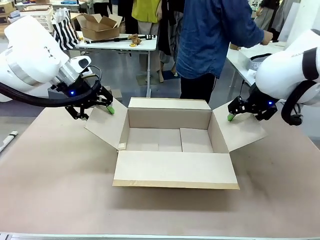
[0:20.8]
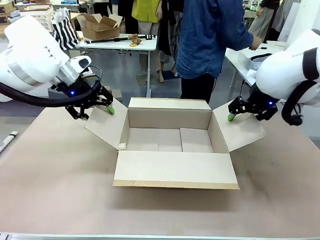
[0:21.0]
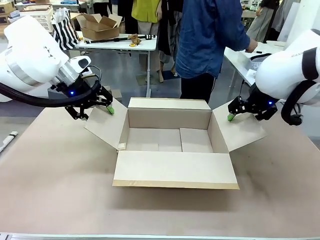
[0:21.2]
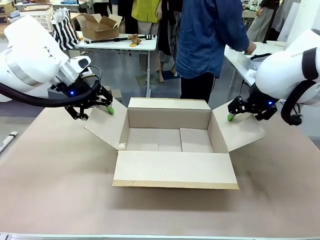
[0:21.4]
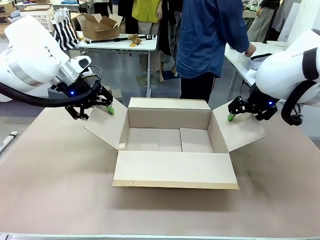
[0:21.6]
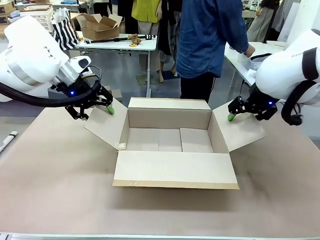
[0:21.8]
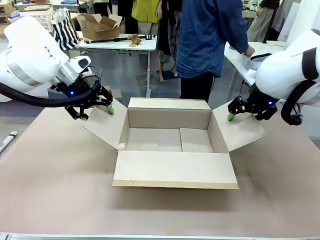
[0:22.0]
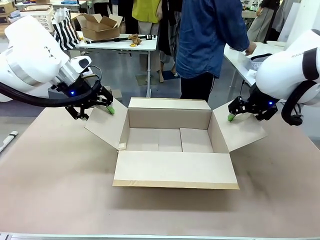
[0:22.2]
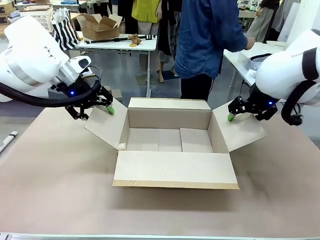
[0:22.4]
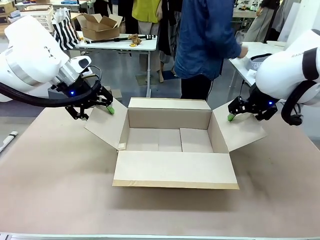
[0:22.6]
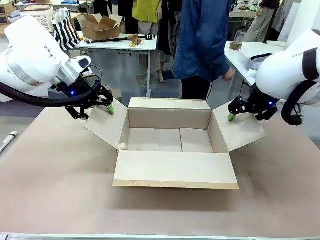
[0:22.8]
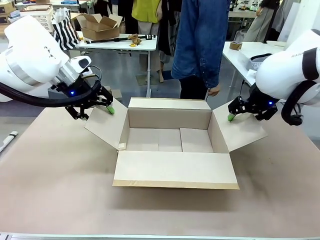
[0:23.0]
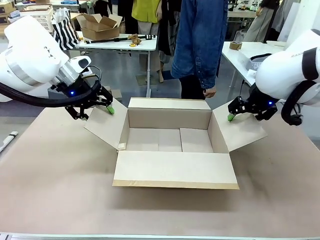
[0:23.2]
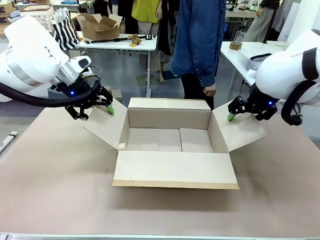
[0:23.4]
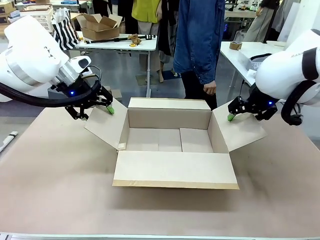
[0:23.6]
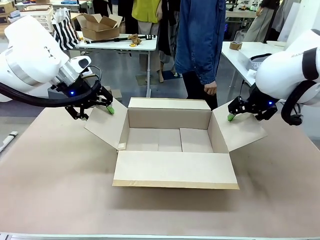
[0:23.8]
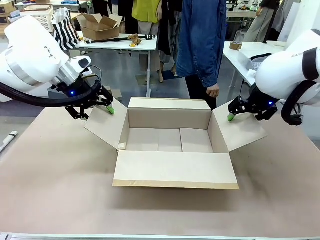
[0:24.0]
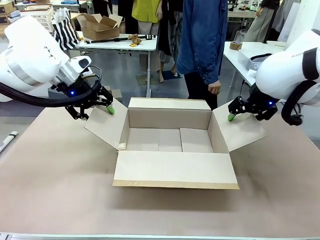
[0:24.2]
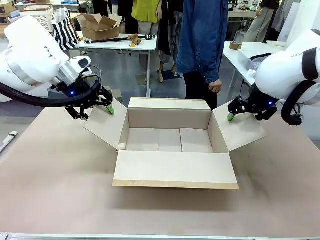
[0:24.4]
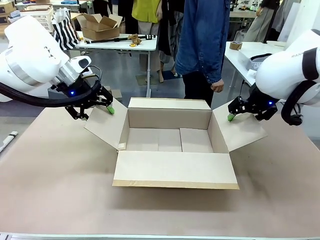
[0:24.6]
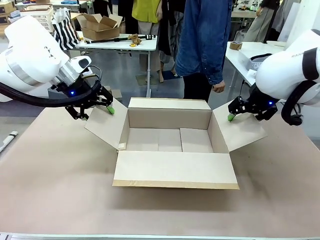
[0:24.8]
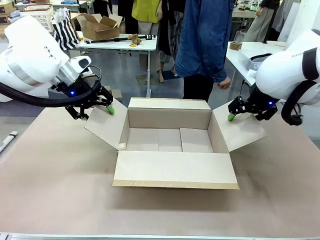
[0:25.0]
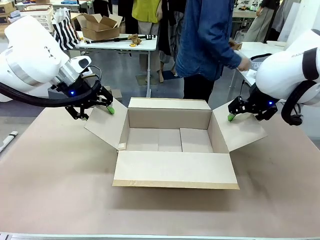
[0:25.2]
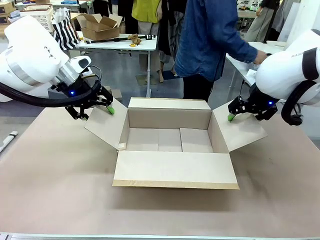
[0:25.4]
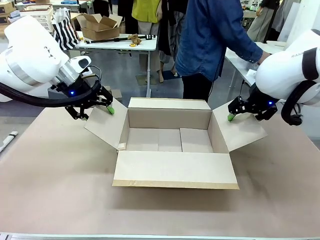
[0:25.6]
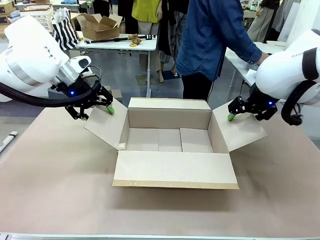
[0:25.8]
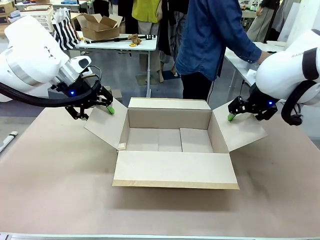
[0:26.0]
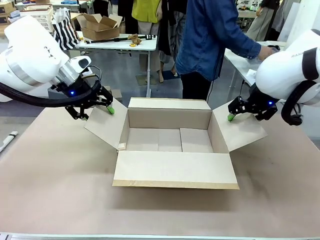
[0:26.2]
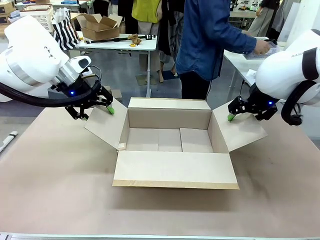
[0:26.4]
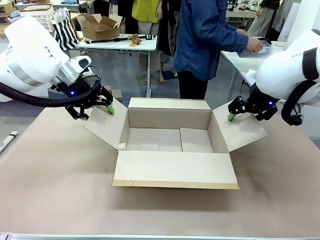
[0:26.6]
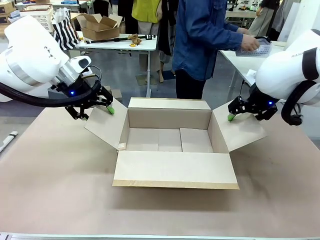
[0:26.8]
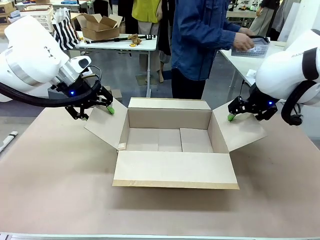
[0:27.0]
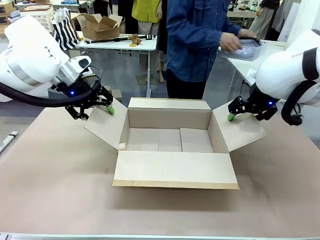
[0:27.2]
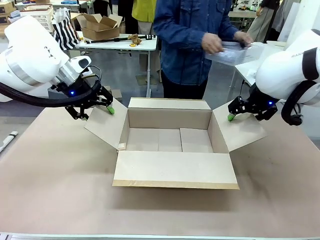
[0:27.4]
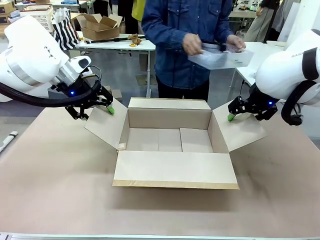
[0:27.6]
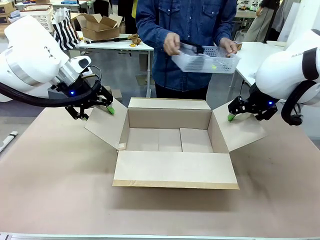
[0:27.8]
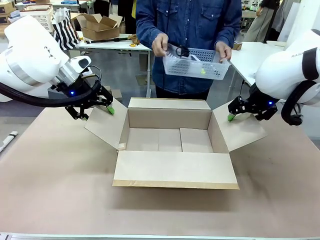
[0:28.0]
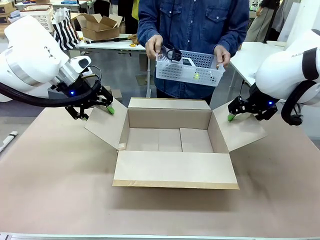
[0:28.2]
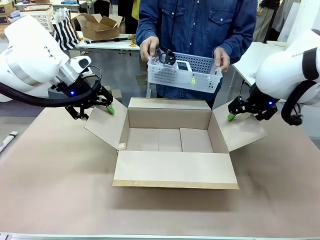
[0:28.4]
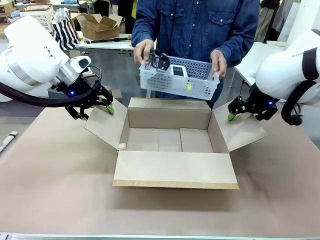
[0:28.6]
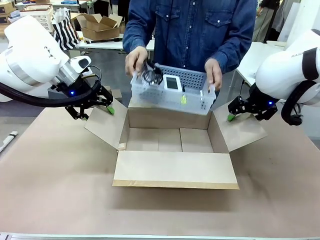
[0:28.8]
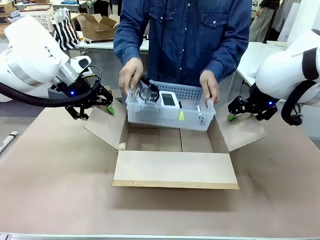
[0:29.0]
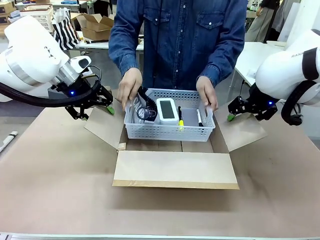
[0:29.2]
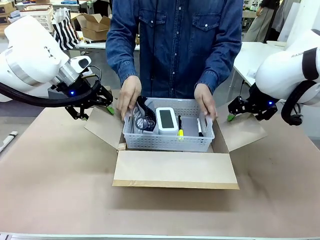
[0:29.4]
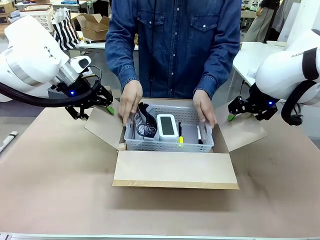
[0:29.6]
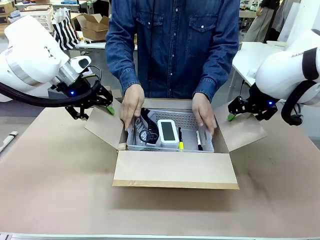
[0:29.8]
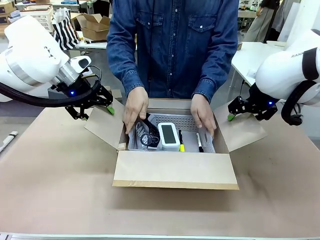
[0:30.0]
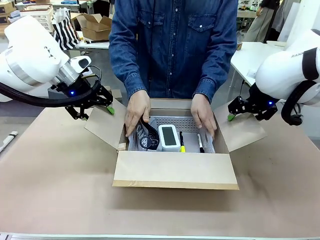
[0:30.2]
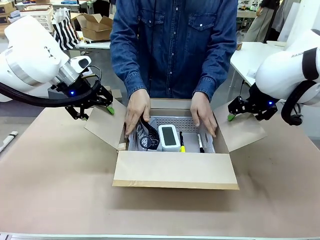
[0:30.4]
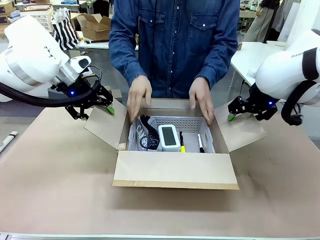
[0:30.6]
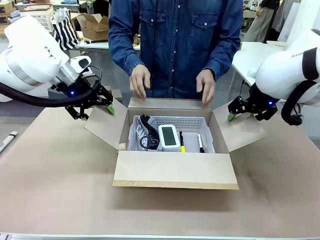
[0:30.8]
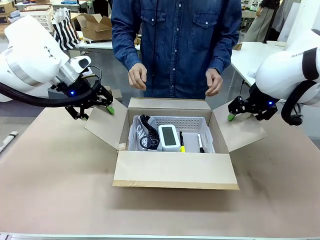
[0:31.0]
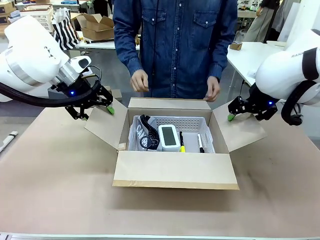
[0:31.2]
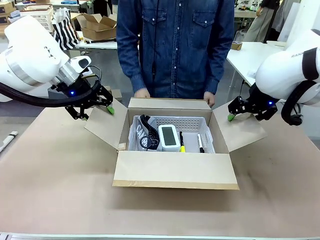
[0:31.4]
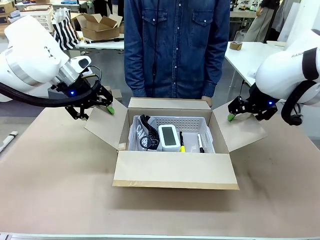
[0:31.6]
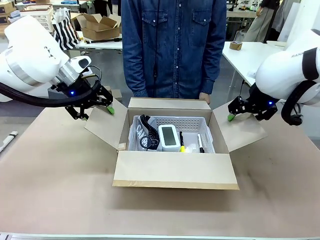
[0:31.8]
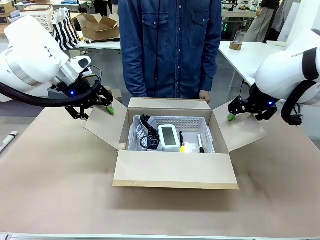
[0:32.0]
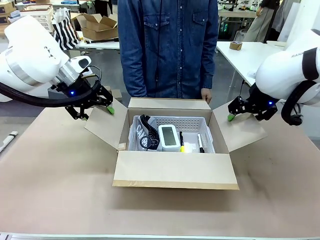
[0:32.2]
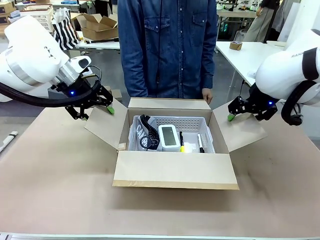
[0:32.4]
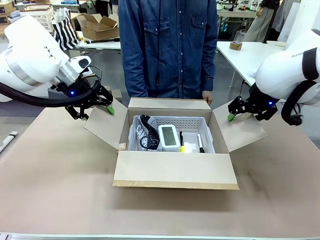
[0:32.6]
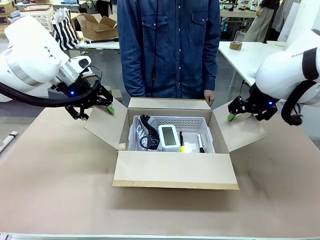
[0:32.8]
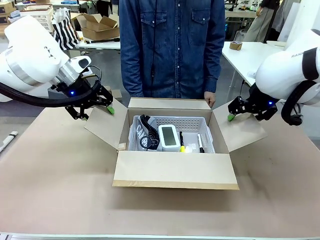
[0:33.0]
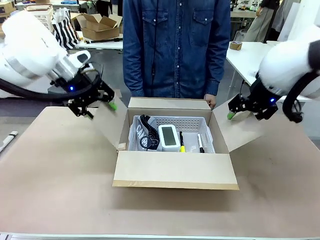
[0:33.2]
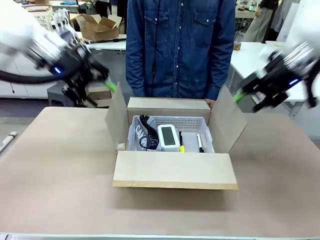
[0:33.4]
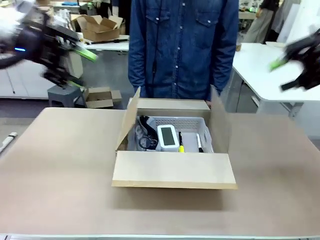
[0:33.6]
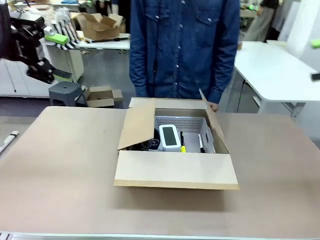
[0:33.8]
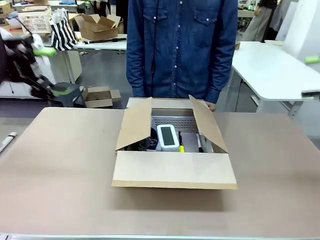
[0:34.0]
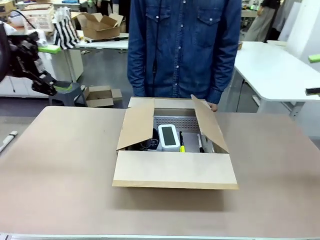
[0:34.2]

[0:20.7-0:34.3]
Task: Pack the gift set into the box.
Robot: Lift both hands away from the flaps of the Package Box.
Person: The human picks up the organizing basket and places the organizing basket into the package box on the robot table.

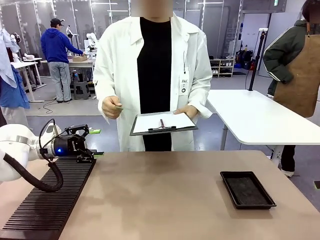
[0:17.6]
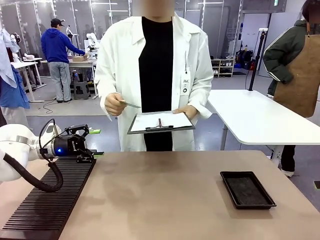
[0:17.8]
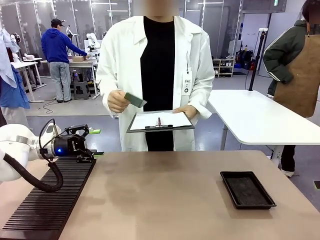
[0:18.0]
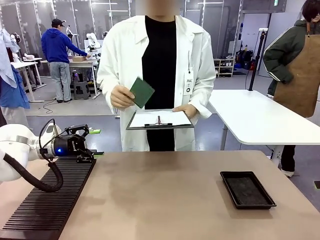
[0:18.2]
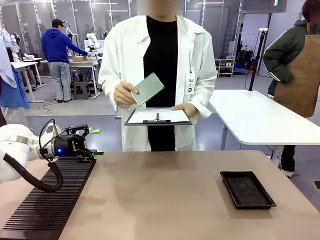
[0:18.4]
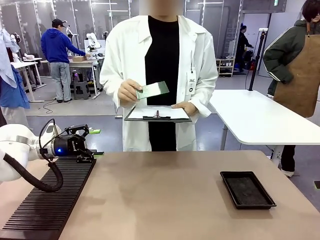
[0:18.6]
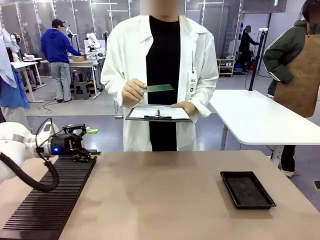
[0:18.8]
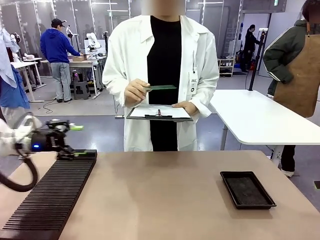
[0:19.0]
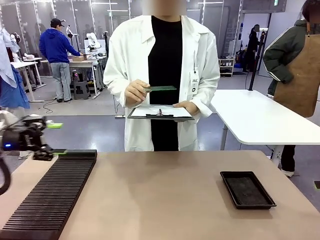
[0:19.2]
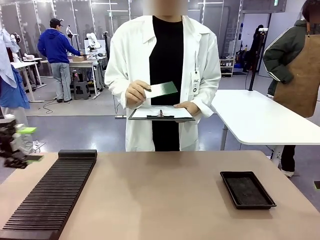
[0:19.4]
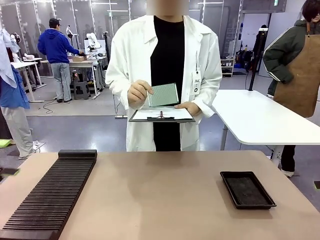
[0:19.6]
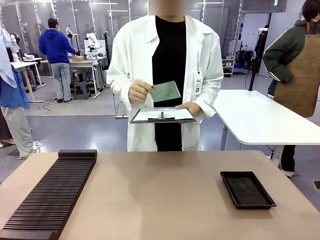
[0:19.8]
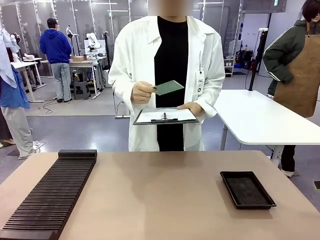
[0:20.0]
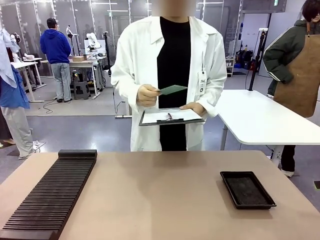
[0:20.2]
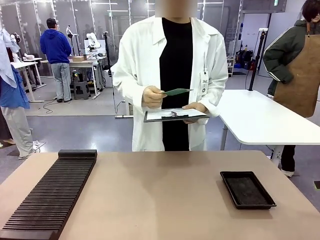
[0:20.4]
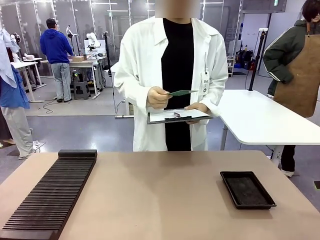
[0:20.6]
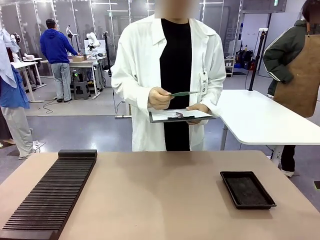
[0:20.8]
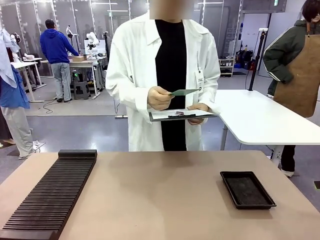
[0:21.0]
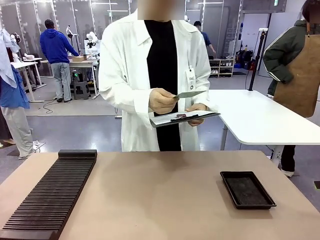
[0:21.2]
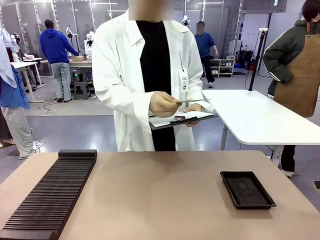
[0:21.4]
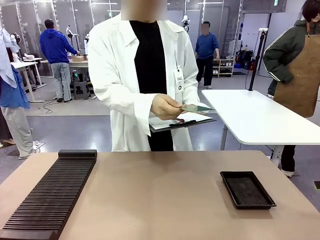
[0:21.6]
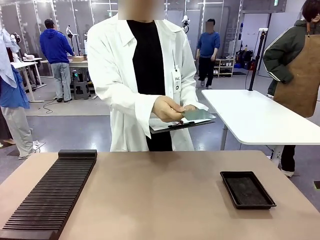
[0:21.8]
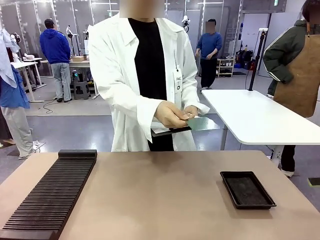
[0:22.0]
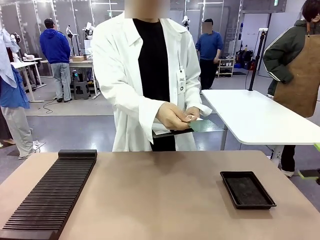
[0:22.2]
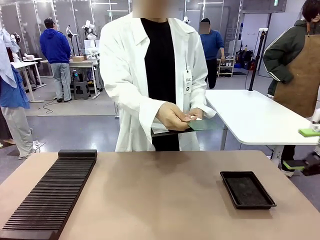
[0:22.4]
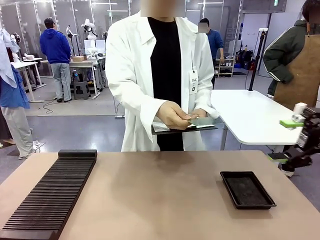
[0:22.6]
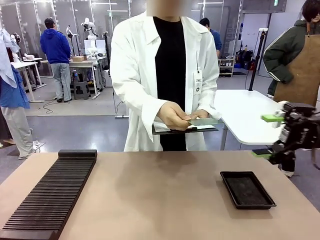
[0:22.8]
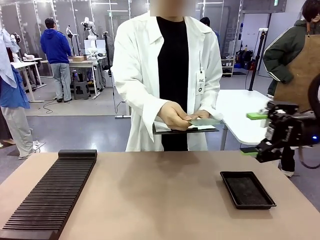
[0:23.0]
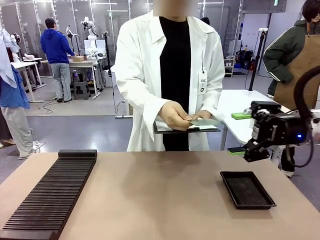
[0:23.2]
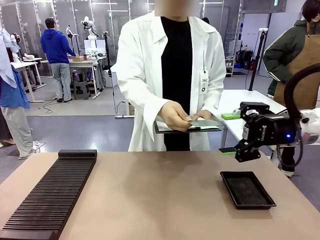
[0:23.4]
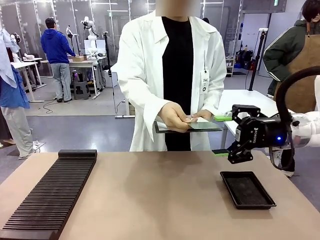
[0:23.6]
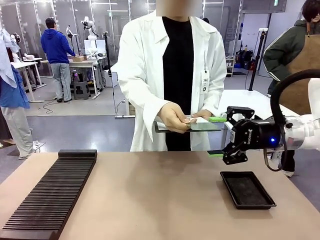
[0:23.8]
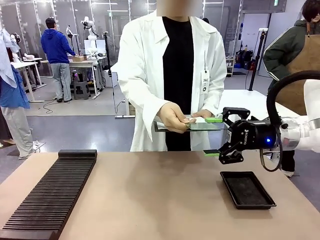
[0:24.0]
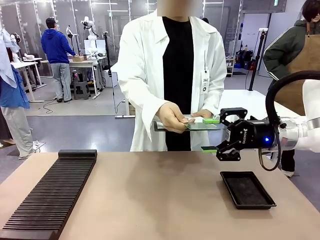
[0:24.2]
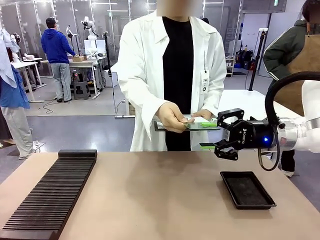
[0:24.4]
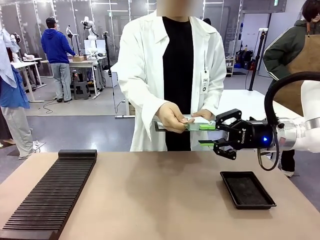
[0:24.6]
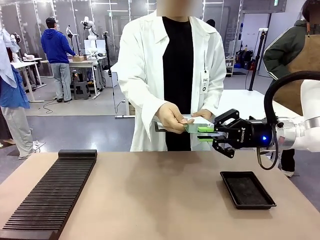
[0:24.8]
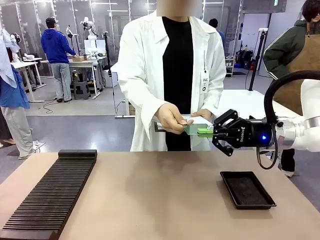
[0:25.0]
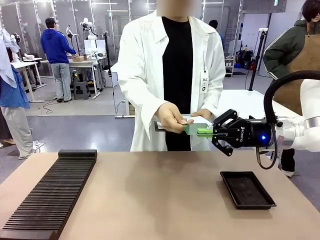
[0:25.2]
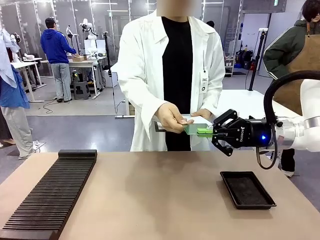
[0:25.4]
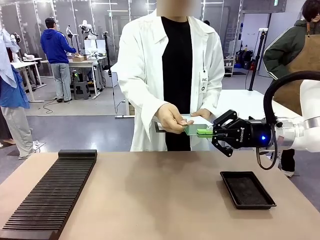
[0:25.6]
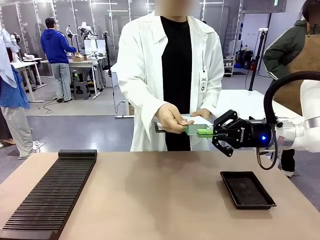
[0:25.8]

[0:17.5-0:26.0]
Task: Inspect the PCB.
Robot: Pick up the Blank PCB that the human is holding.
Person: Inspect the PCB placed by the robot, then hold it out in front of the robot. Release the PCB you were holding.
